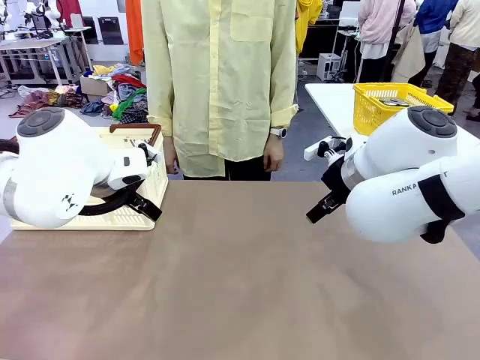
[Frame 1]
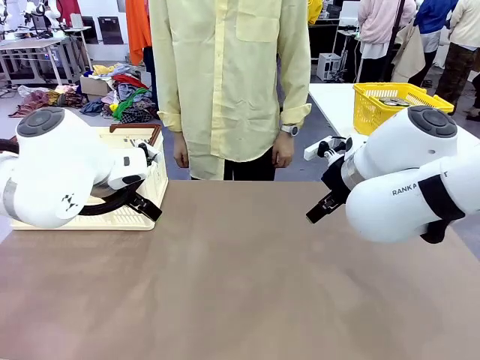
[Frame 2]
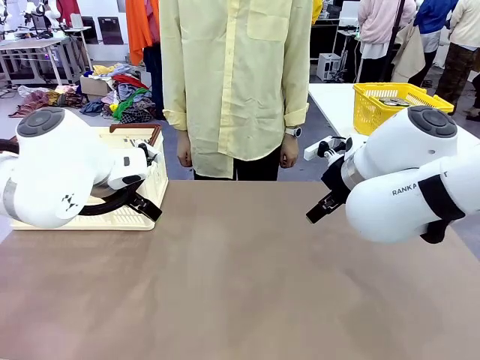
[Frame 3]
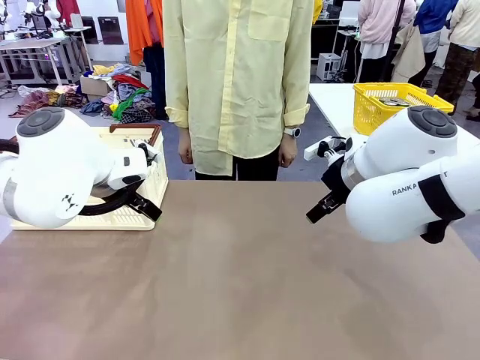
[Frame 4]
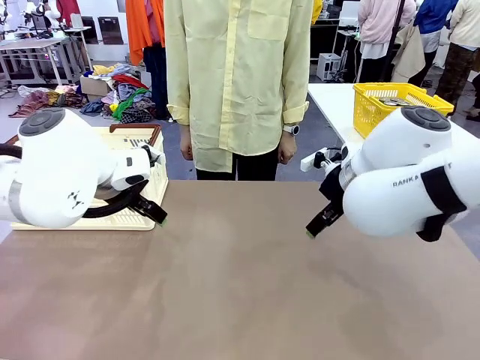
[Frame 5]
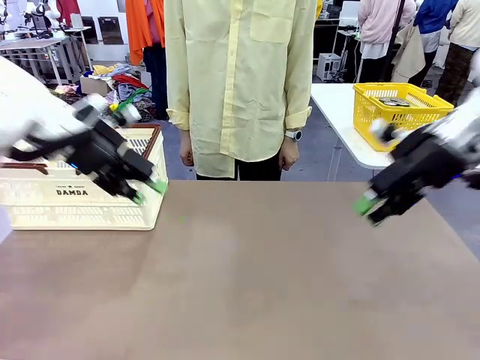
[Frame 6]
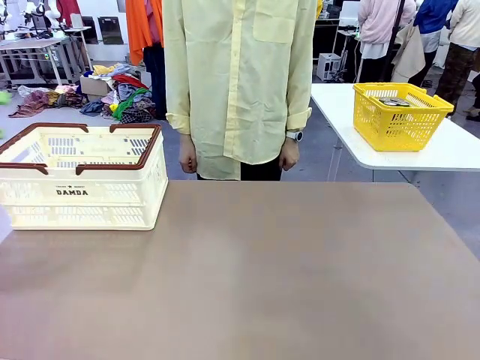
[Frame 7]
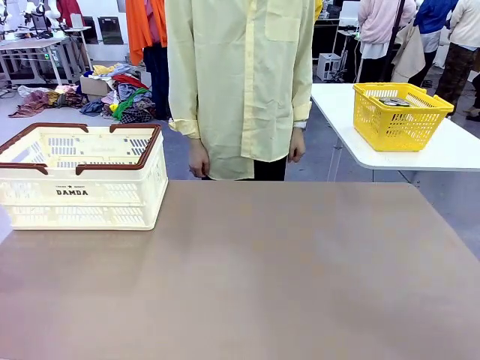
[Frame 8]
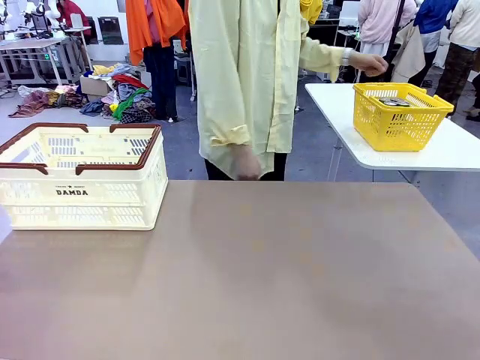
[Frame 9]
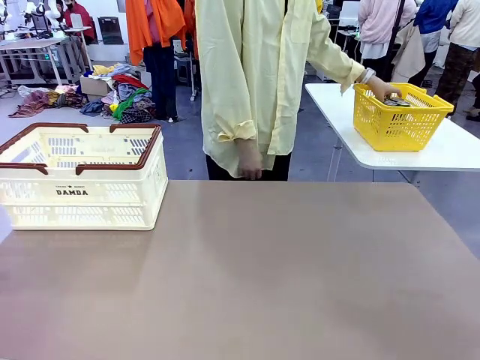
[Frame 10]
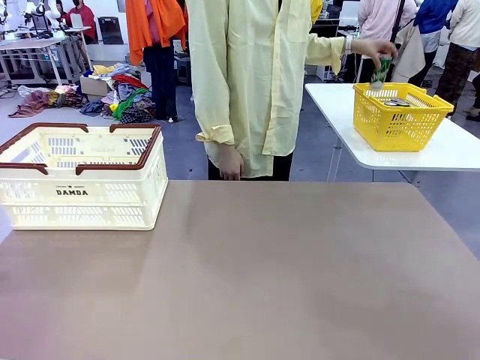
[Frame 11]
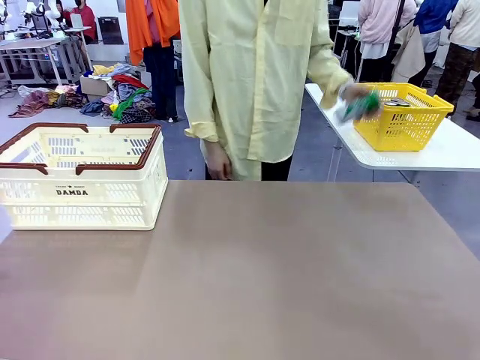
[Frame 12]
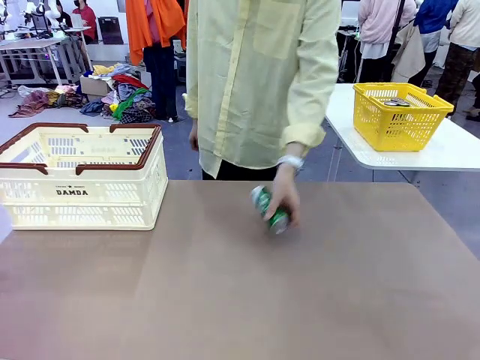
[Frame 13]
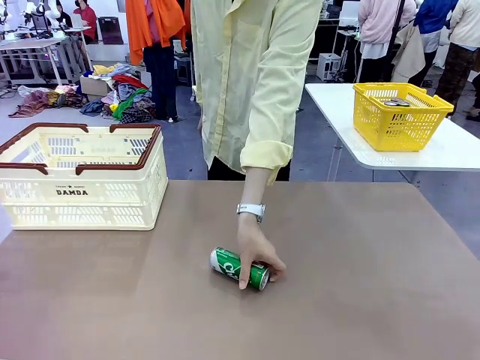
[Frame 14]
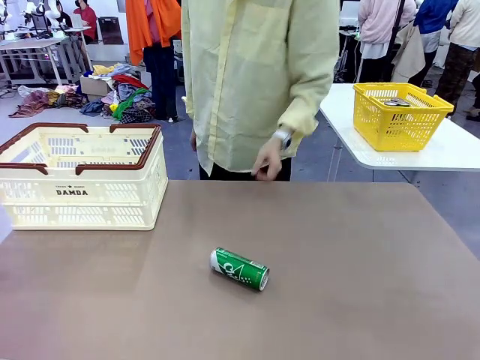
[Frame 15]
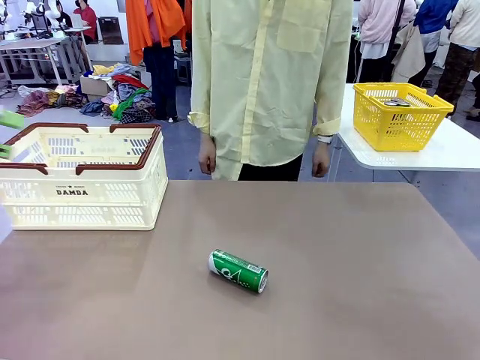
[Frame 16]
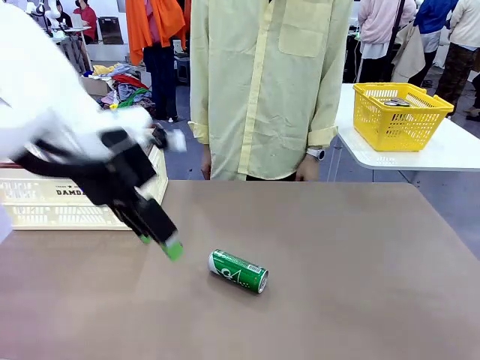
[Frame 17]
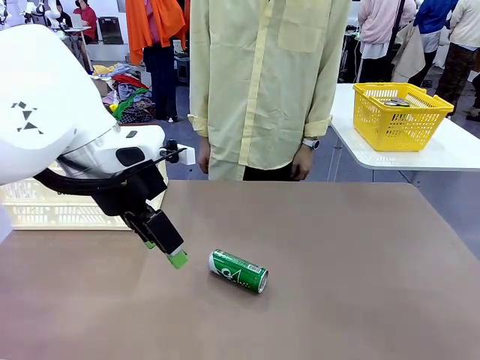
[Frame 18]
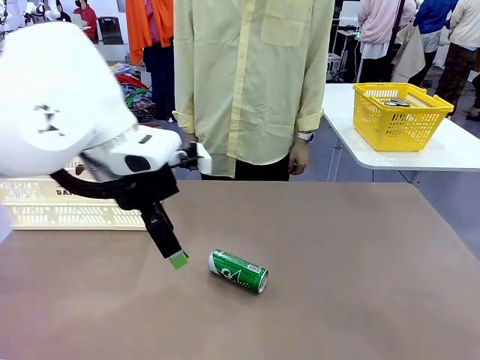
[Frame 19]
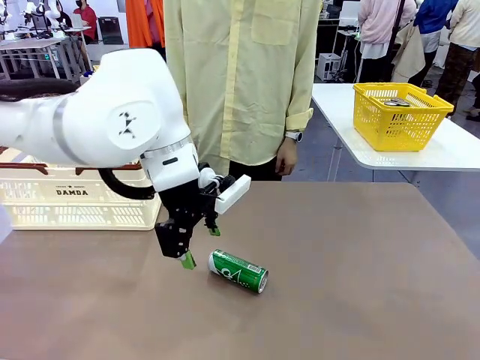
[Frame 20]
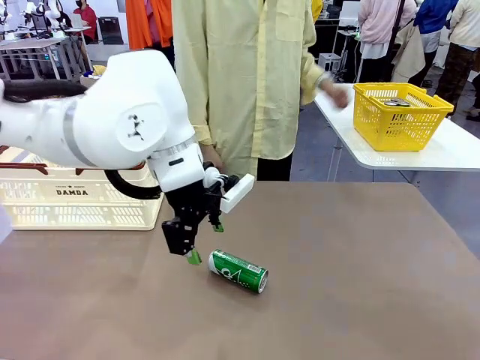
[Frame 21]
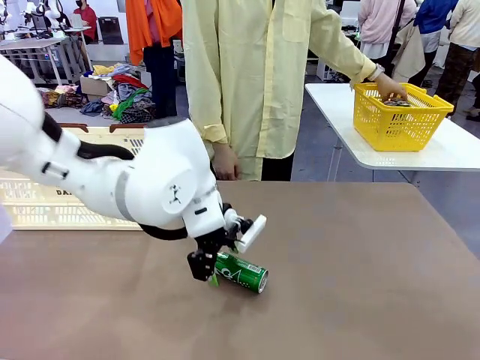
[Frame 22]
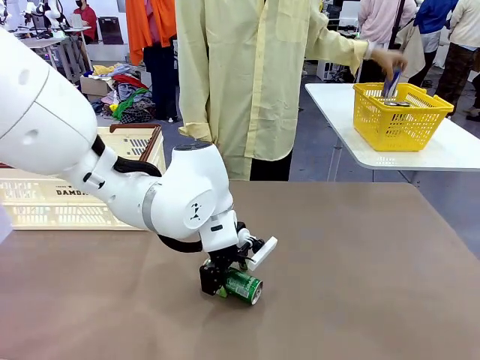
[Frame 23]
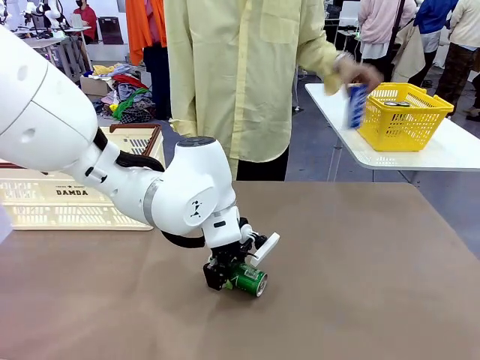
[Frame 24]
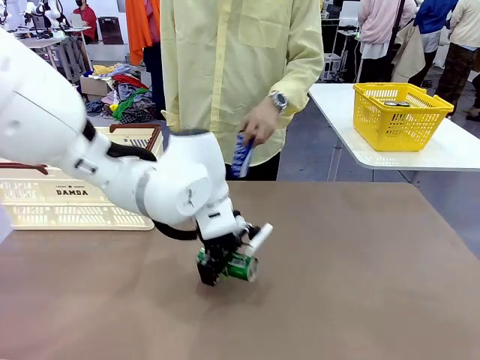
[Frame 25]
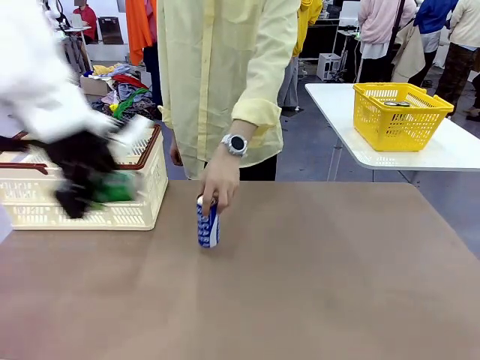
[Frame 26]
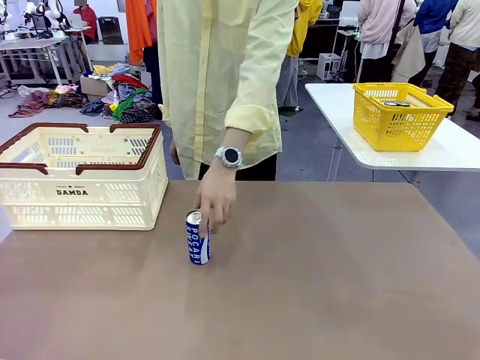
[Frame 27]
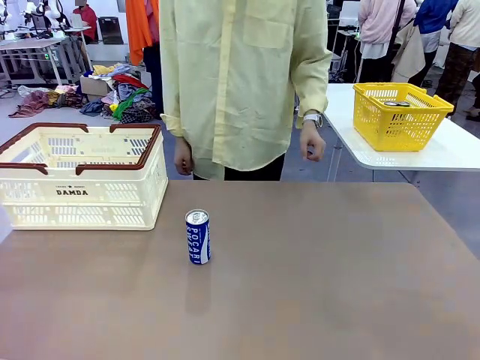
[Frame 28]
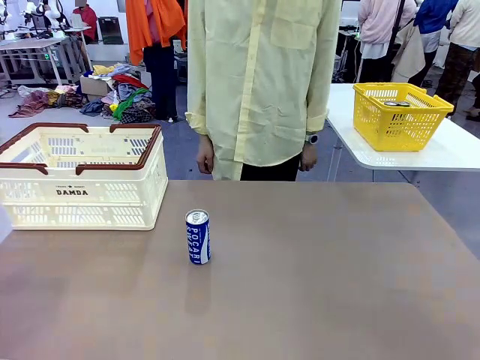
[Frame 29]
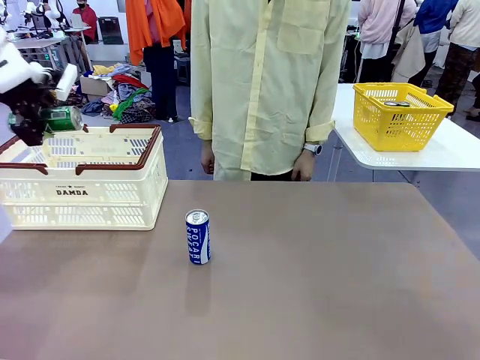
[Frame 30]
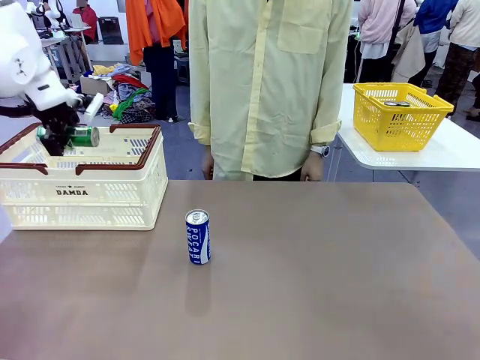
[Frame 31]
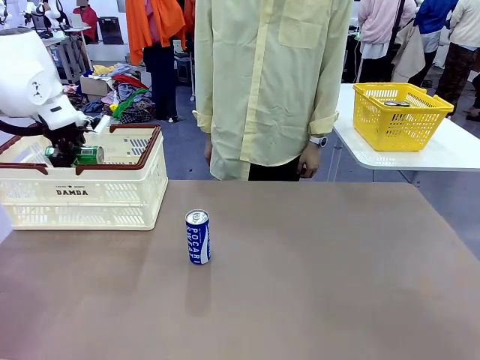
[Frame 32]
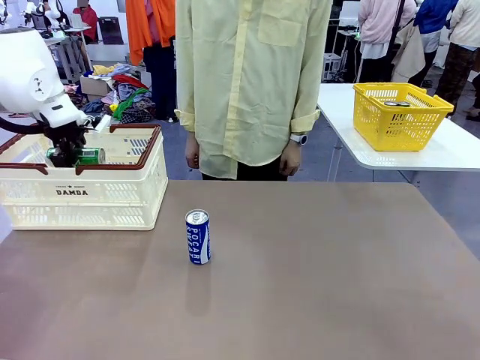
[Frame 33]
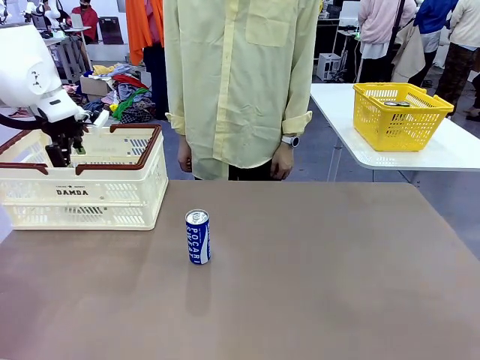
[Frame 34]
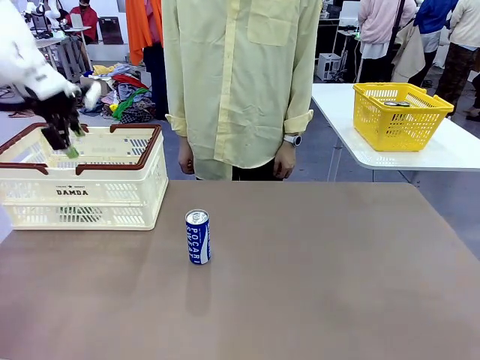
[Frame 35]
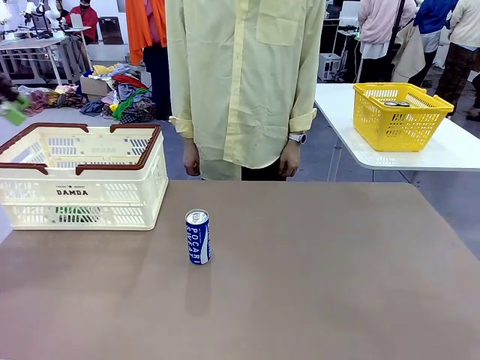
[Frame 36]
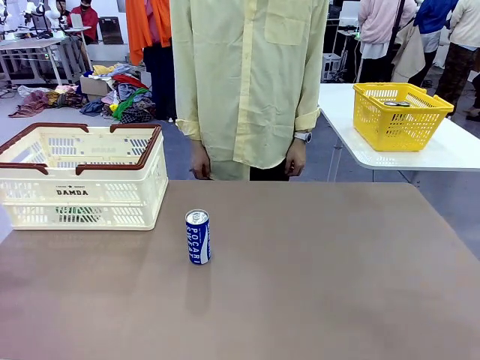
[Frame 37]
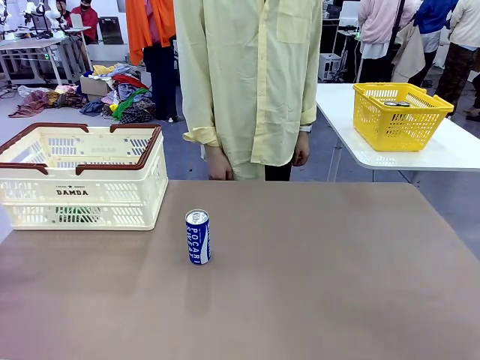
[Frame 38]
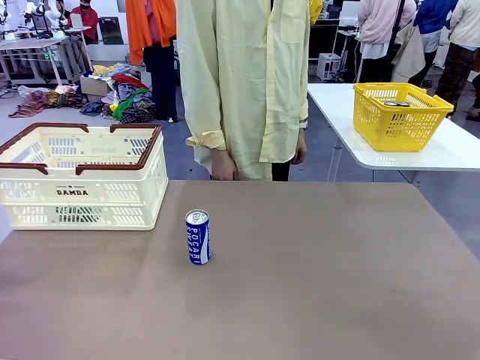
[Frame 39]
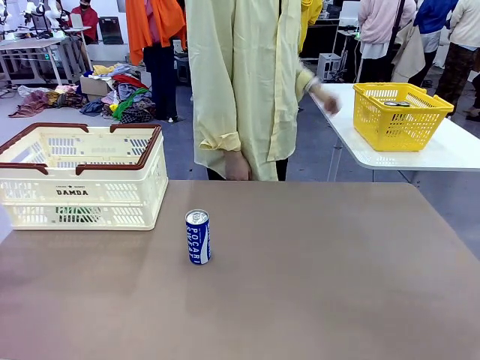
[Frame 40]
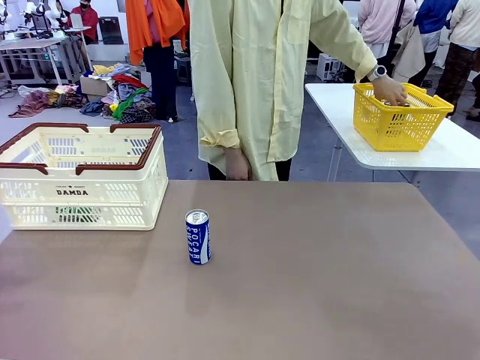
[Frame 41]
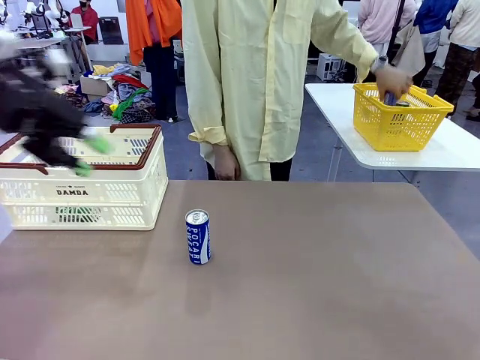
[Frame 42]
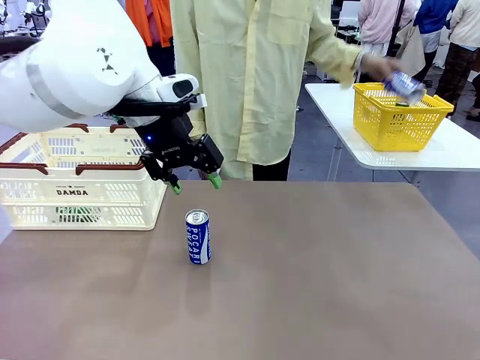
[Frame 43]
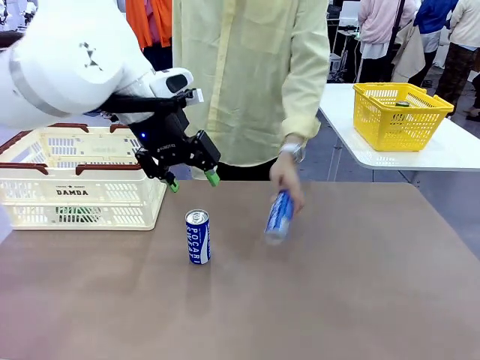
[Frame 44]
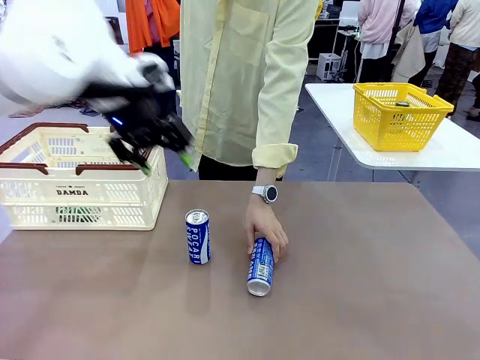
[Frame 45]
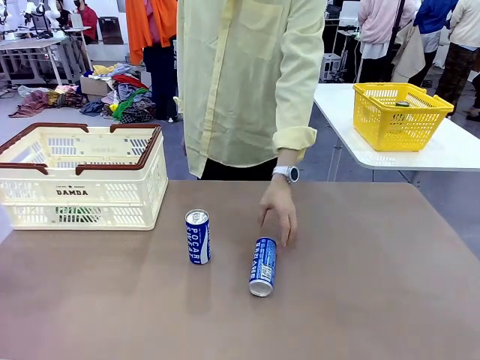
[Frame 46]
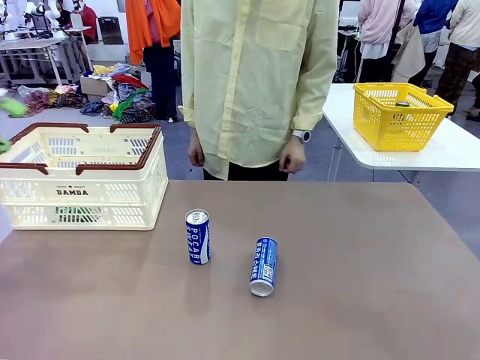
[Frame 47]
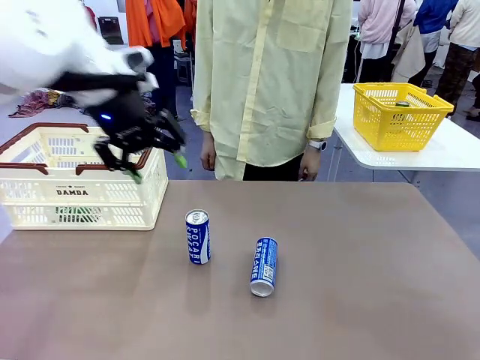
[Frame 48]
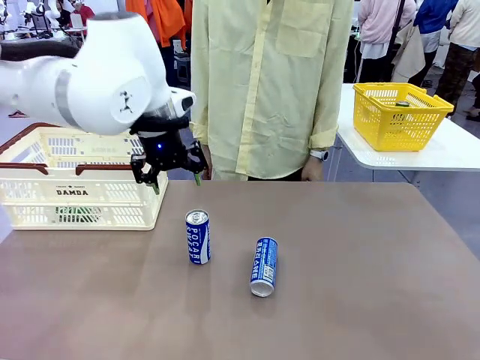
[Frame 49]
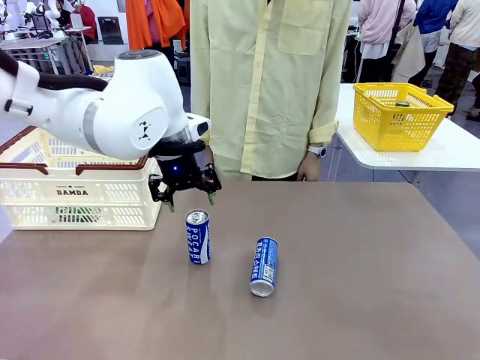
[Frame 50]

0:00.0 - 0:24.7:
Task: Place the drinks into the Shopping basket.
Robot: Pick up one drink and place it into the Shopping basket.
